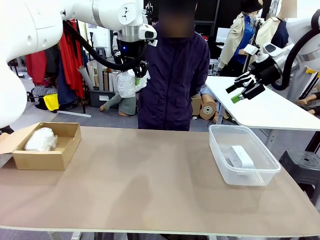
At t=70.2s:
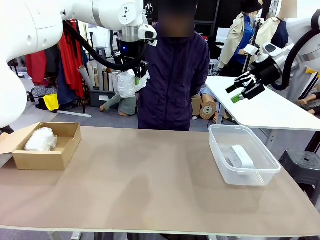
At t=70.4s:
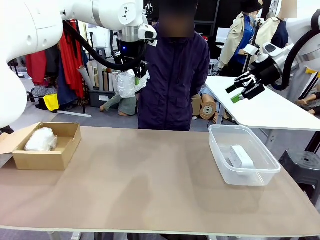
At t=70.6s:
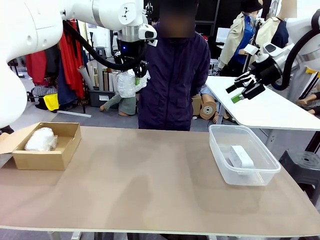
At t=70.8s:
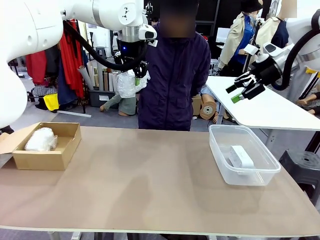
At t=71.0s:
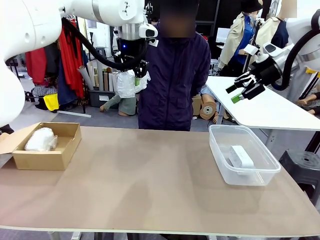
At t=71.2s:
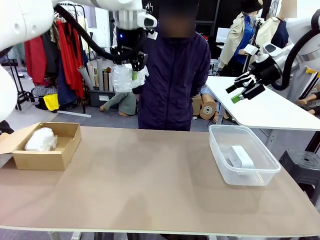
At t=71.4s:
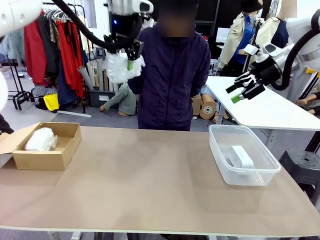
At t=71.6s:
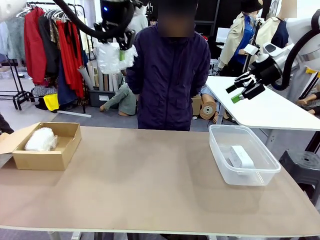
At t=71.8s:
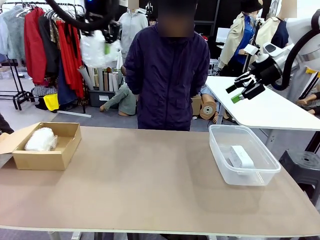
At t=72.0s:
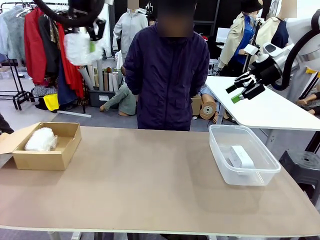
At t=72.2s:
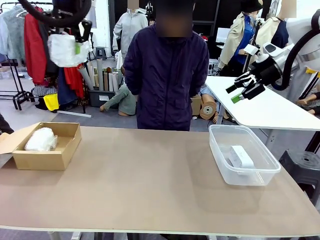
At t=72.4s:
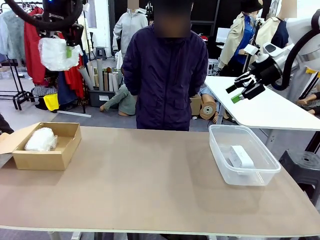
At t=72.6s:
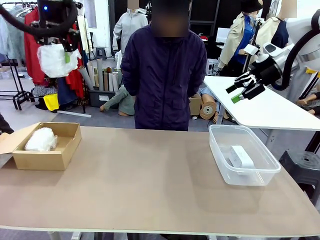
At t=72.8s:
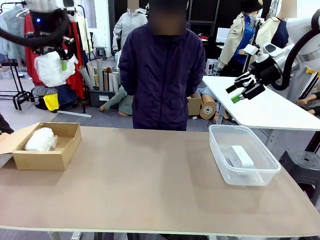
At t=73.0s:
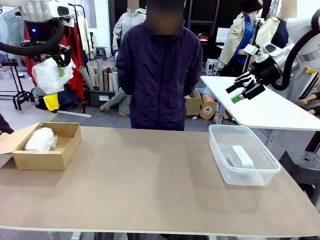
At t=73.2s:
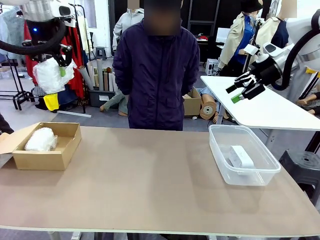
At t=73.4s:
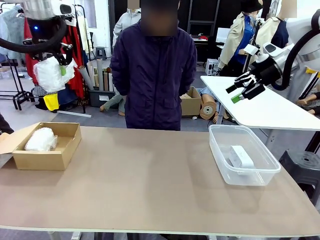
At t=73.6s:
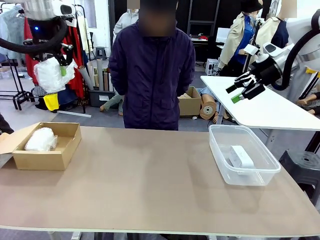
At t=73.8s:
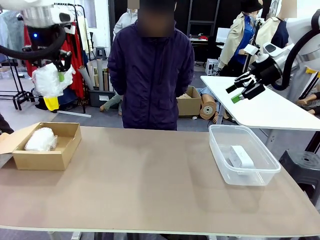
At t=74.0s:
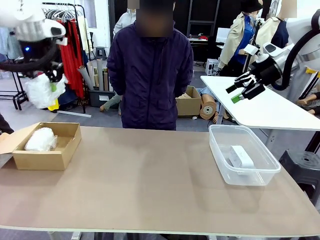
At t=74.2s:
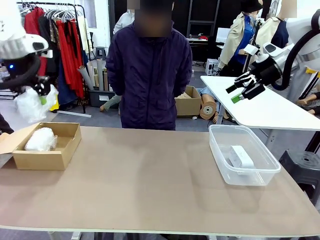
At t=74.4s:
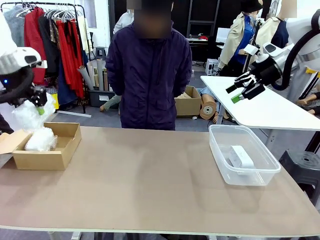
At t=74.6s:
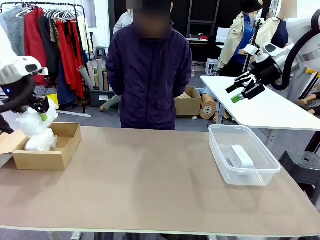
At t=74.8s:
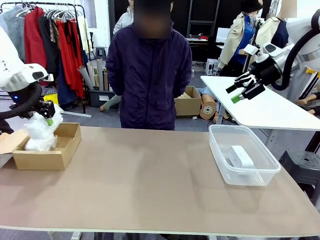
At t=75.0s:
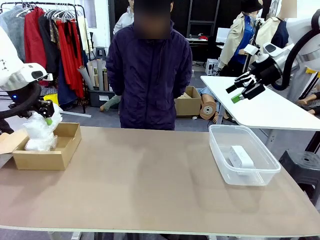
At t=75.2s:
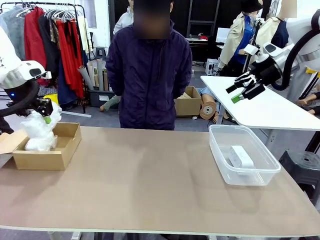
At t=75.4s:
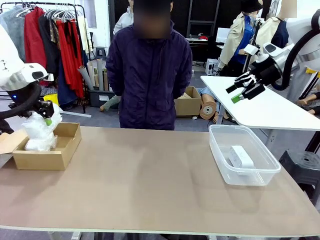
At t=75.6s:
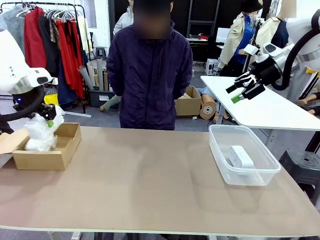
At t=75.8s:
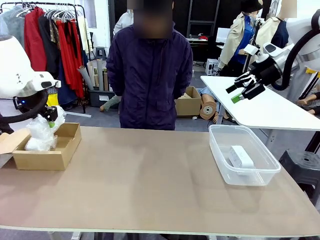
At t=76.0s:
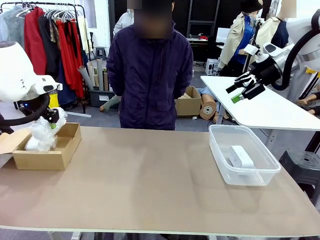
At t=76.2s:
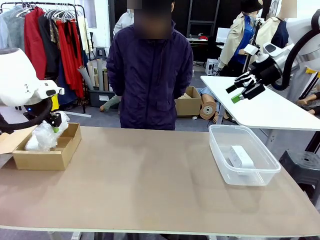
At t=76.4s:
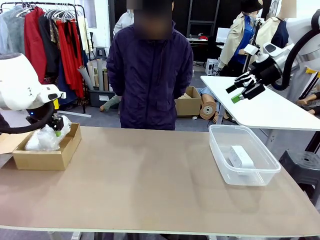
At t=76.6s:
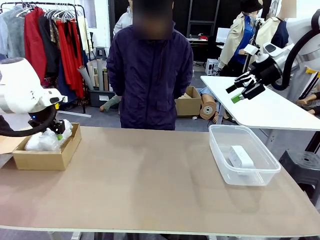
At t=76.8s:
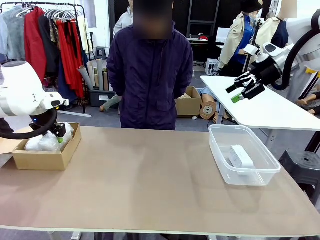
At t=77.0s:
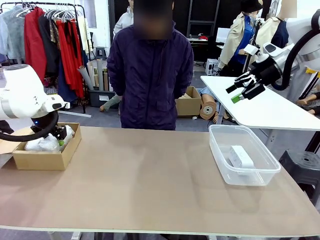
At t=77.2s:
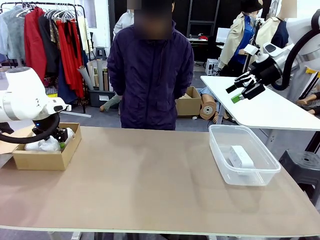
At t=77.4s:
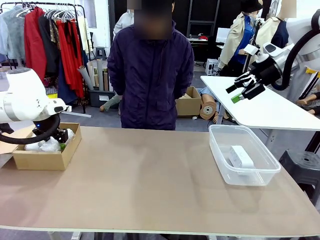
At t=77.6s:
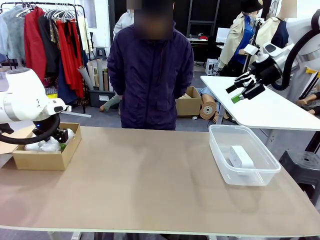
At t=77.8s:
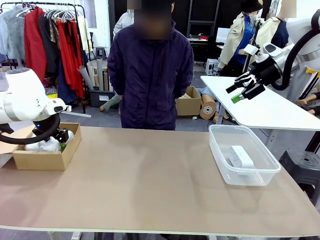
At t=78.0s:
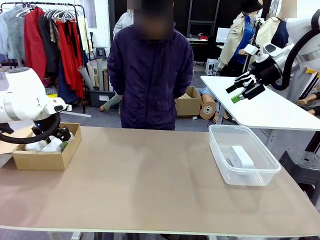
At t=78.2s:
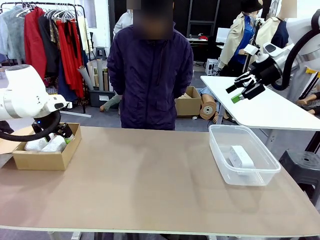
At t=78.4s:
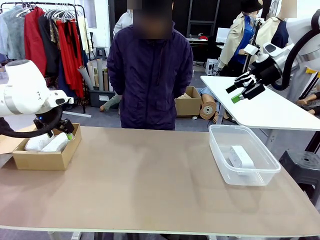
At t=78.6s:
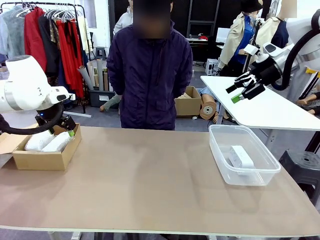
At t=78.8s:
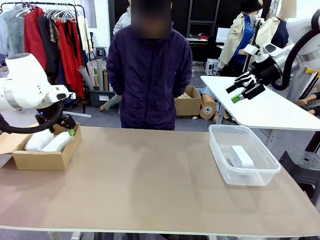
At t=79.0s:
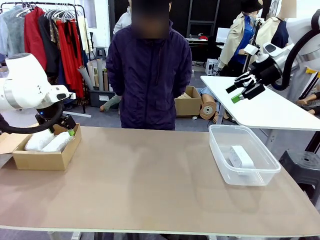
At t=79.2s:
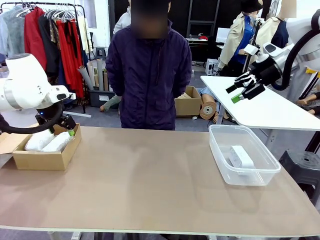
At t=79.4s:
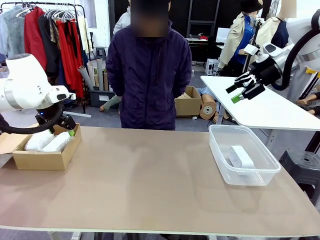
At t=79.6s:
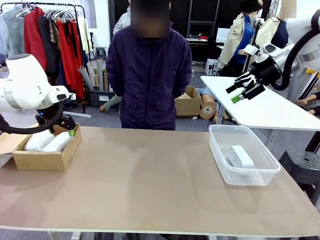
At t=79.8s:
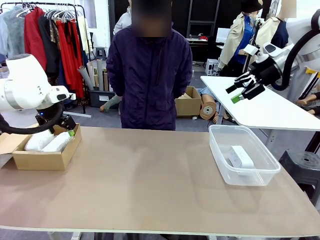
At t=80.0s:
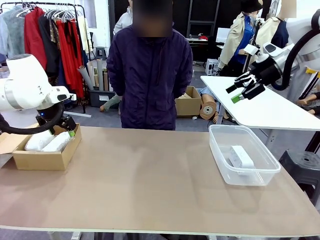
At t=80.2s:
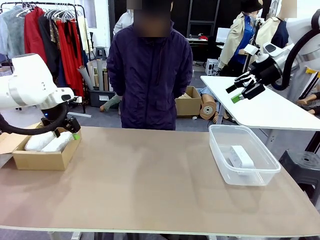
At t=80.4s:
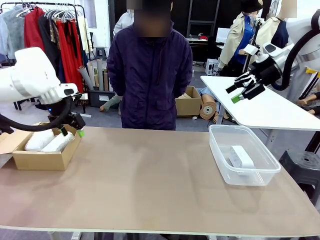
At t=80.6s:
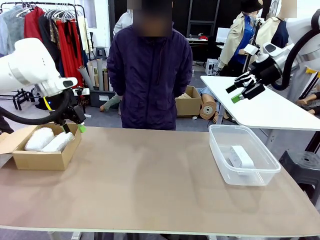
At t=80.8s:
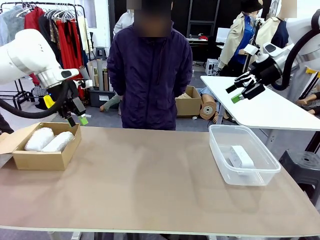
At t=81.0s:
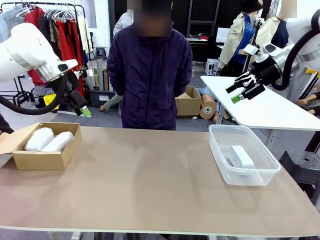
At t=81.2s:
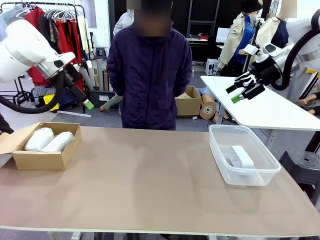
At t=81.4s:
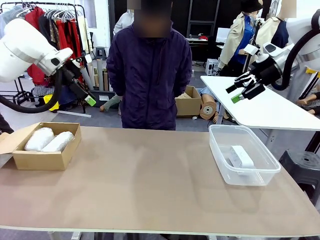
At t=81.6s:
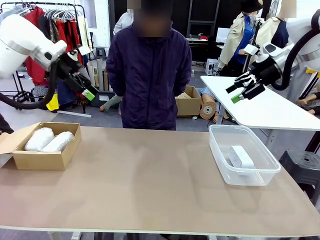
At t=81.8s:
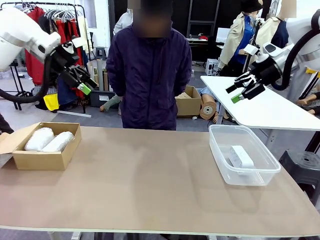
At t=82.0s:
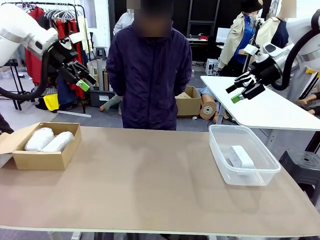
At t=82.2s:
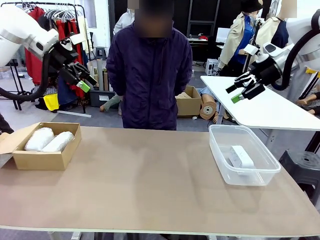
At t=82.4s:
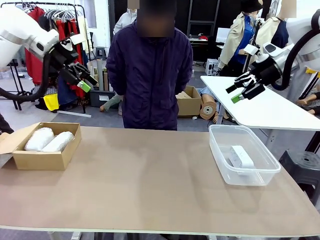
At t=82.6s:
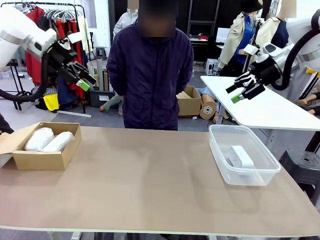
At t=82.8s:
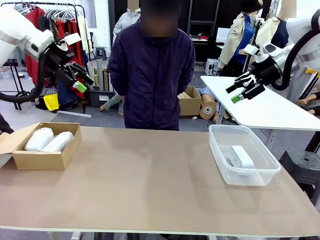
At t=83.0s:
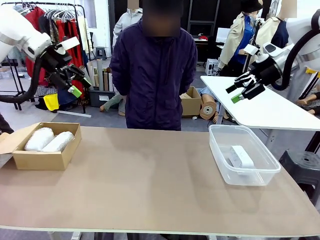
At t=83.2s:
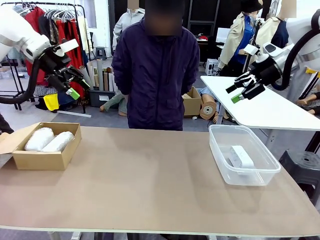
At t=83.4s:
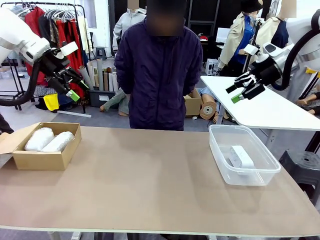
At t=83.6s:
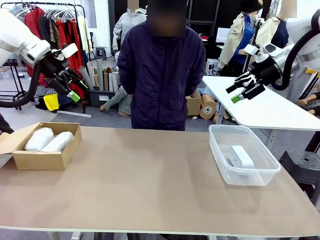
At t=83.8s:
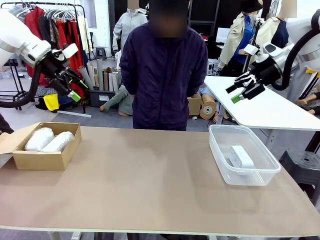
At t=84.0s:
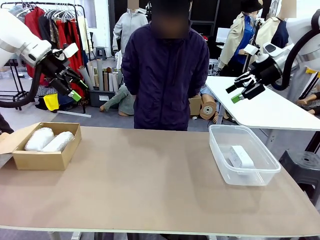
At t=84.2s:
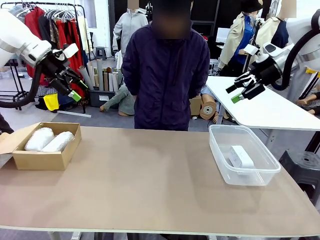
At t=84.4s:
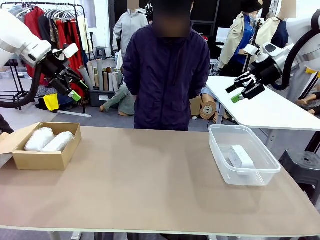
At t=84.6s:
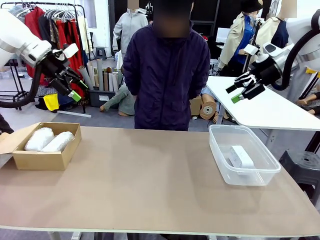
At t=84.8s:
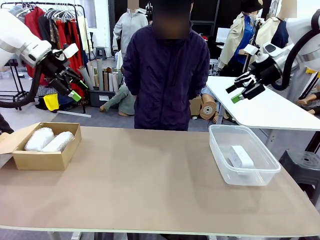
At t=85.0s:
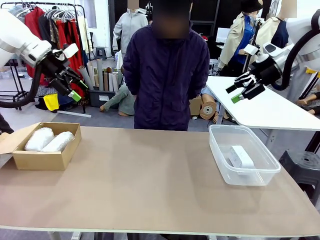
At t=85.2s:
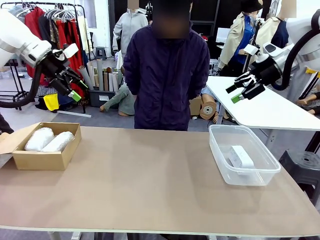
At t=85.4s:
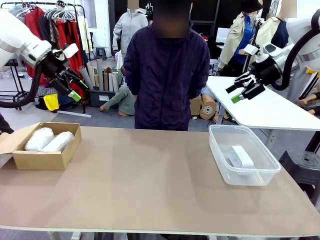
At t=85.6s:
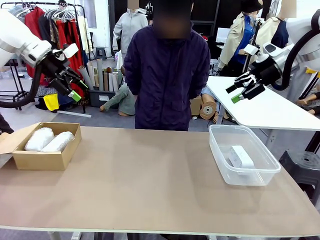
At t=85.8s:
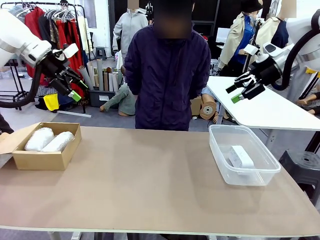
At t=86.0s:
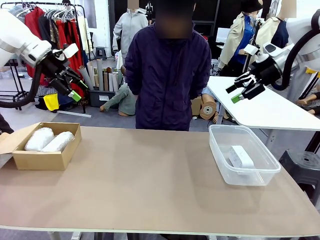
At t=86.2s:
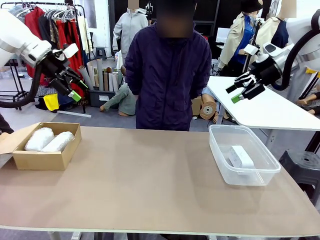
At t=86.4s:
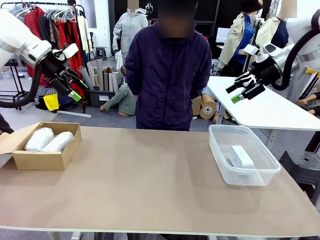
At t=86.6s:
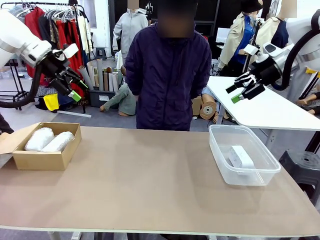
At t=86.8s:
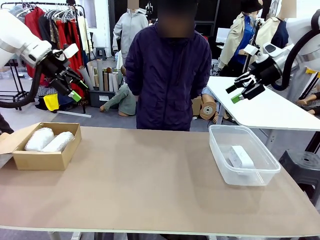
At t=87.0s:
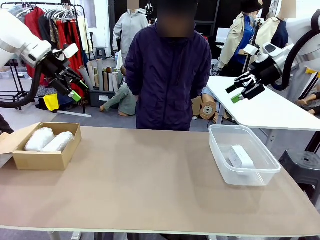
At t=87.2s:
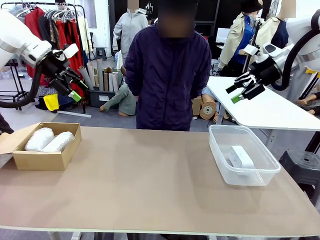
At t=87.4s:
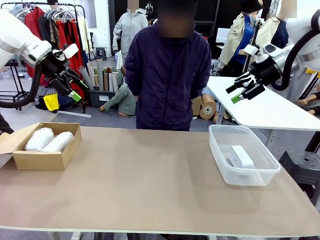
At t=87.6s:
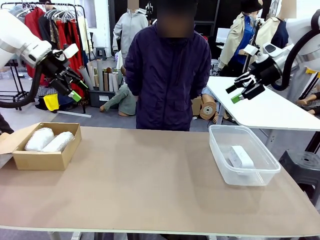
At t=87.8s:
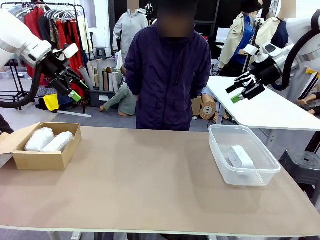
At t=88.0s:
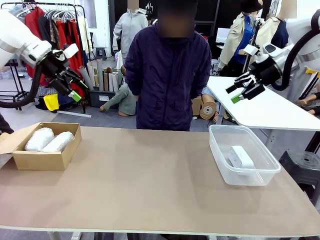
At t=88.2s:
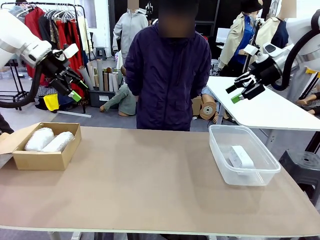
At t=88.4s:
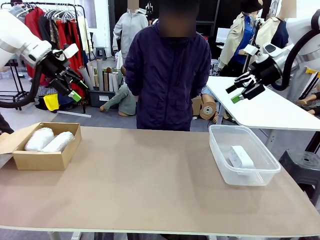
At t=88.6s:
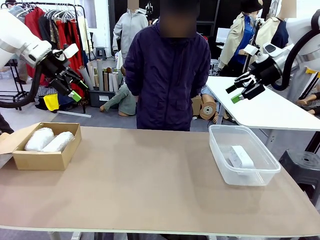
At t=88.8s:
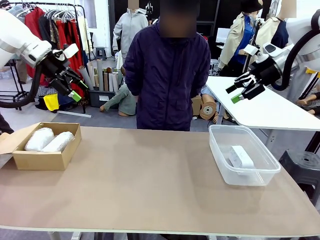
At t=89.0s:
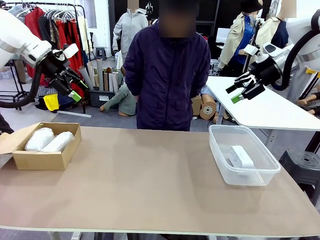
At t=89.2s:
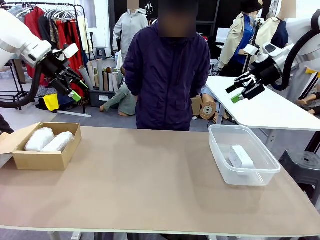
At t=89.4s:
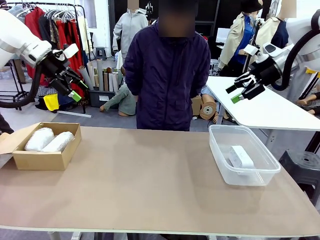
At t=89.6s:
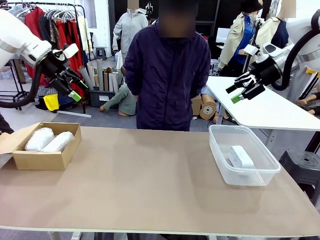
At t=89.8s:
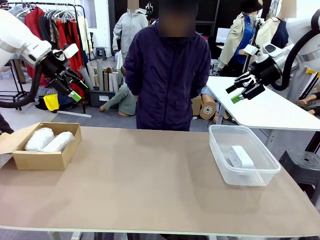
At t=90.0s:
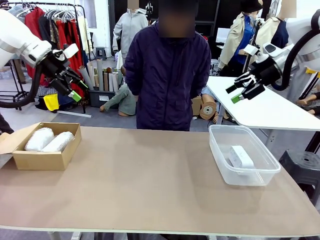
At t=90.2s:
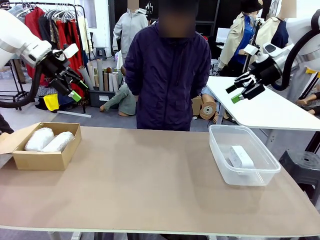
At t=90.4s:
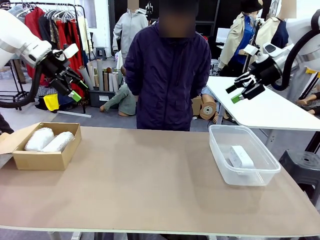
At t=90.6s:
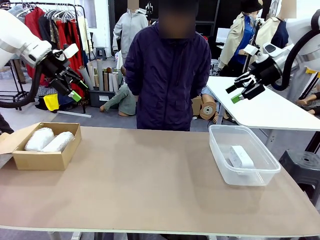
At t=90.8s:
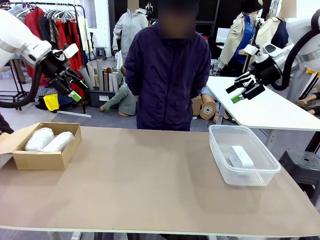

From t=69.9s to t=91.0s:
Task: Separate and place wrapped and unwrapped clocks.
Robot: If the picked Digital clock is wrapped, place it in the Package Box ; if not, place it in the Organizing box.
